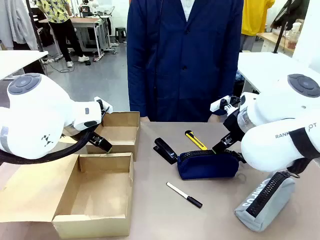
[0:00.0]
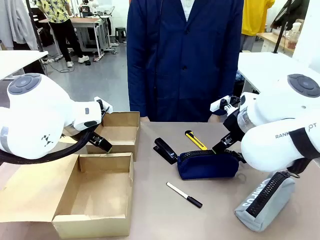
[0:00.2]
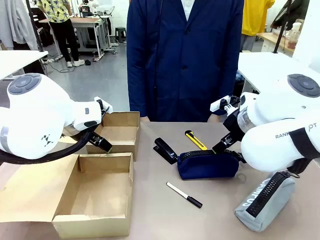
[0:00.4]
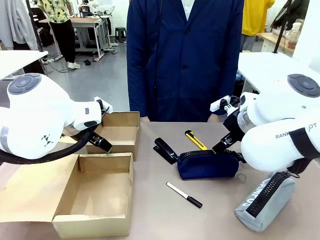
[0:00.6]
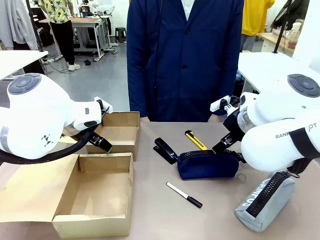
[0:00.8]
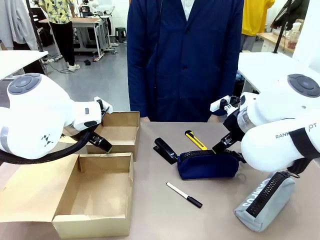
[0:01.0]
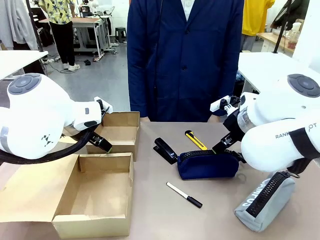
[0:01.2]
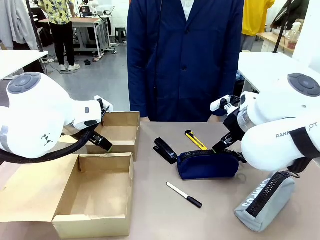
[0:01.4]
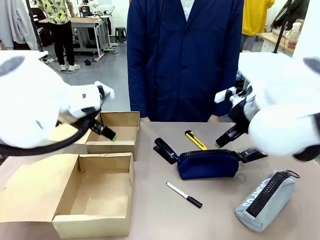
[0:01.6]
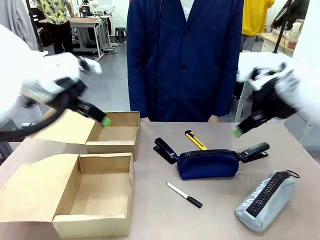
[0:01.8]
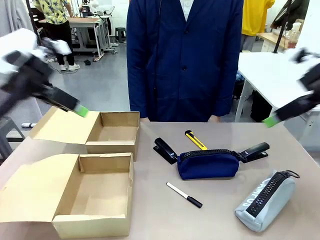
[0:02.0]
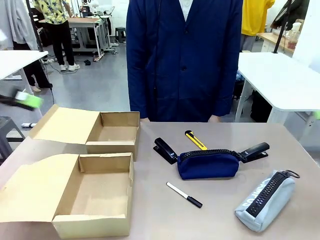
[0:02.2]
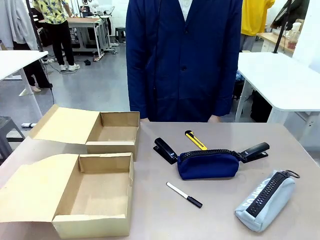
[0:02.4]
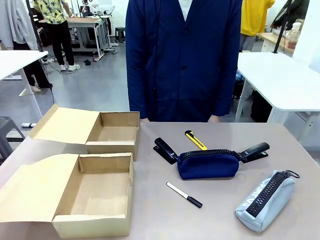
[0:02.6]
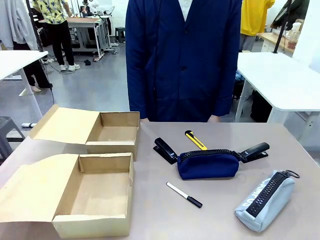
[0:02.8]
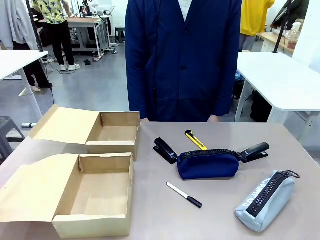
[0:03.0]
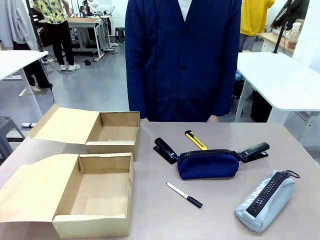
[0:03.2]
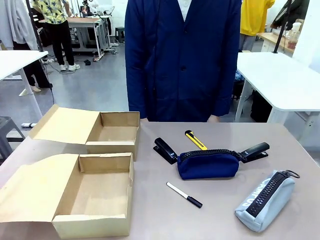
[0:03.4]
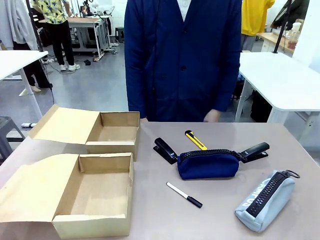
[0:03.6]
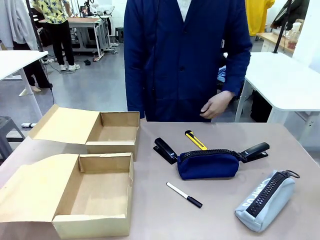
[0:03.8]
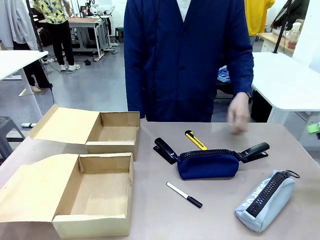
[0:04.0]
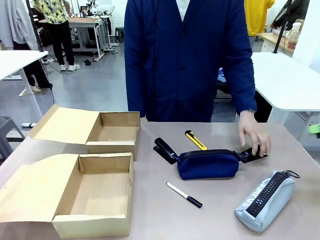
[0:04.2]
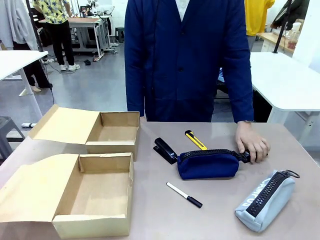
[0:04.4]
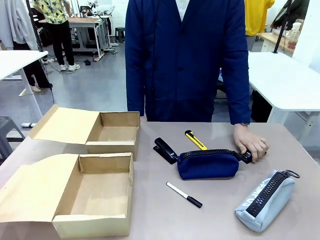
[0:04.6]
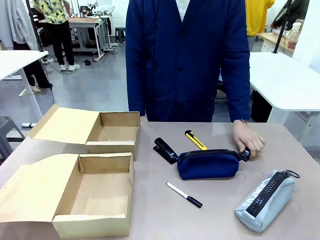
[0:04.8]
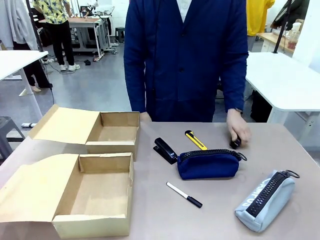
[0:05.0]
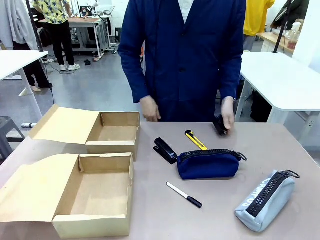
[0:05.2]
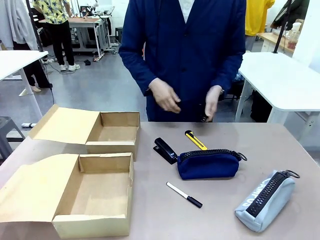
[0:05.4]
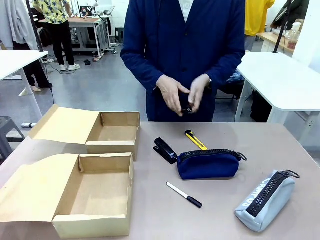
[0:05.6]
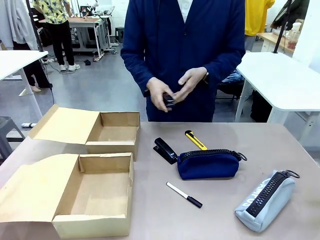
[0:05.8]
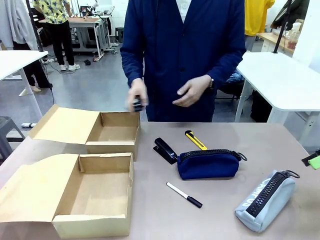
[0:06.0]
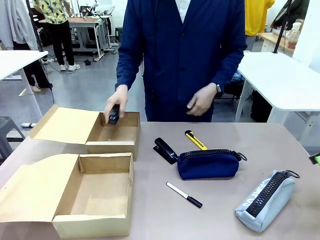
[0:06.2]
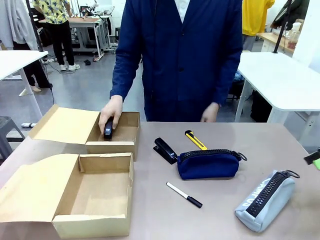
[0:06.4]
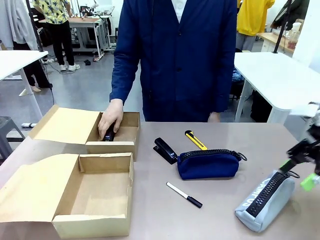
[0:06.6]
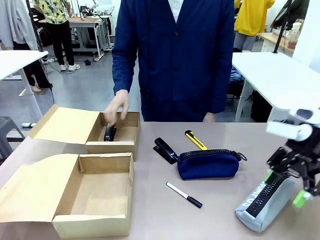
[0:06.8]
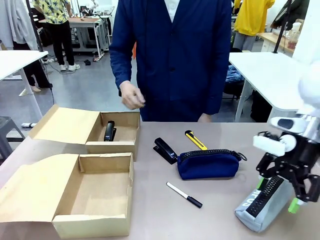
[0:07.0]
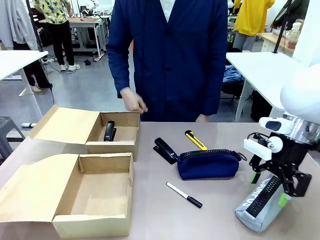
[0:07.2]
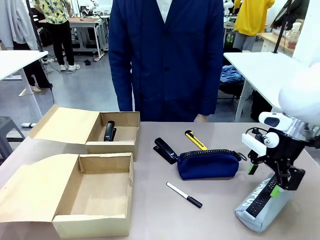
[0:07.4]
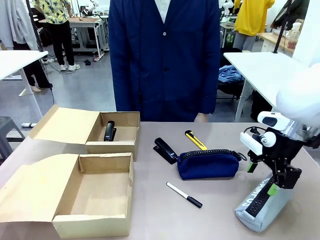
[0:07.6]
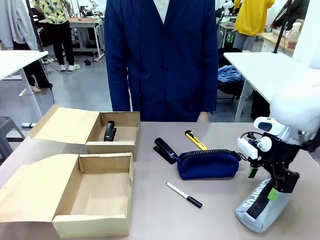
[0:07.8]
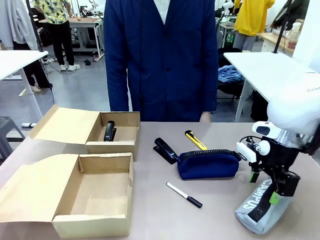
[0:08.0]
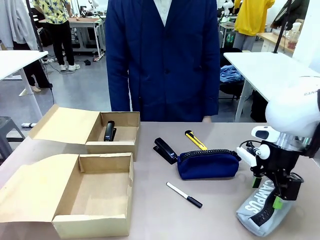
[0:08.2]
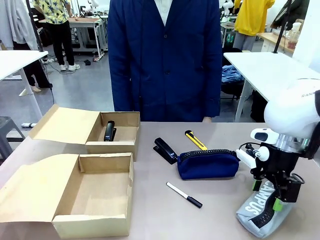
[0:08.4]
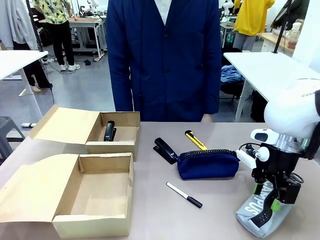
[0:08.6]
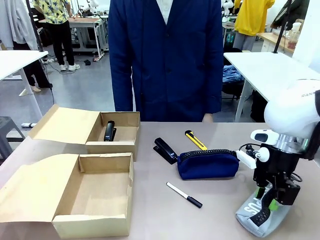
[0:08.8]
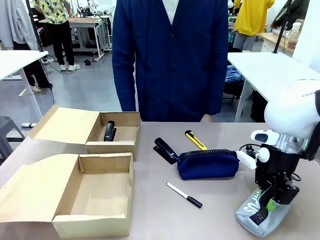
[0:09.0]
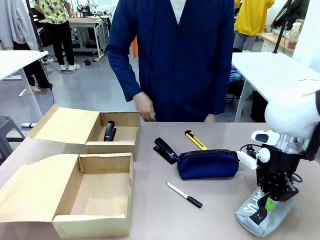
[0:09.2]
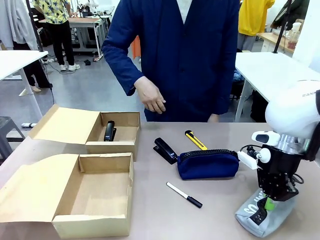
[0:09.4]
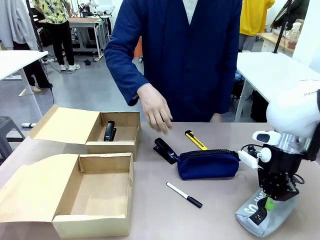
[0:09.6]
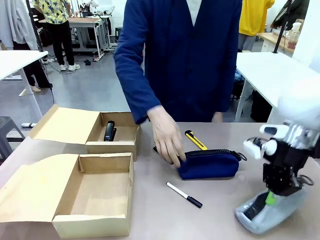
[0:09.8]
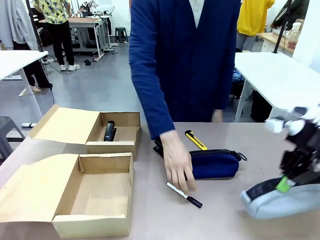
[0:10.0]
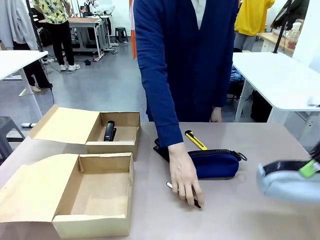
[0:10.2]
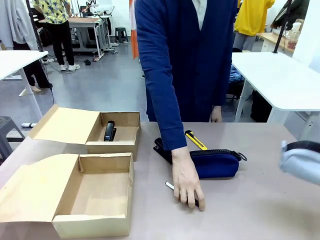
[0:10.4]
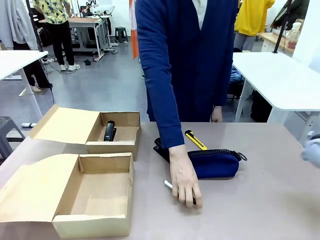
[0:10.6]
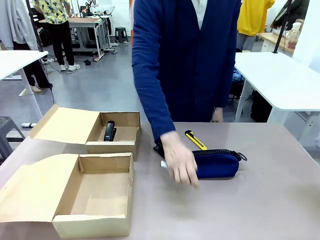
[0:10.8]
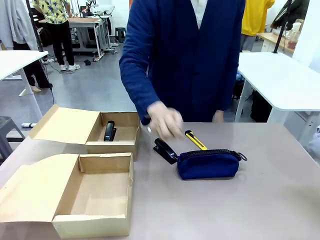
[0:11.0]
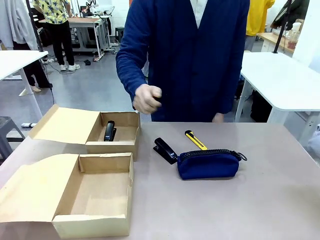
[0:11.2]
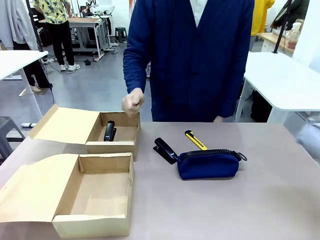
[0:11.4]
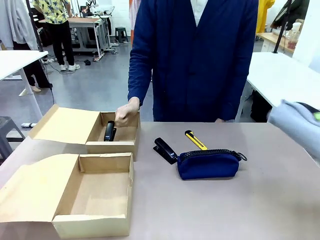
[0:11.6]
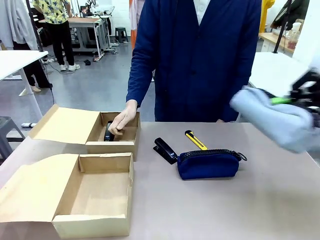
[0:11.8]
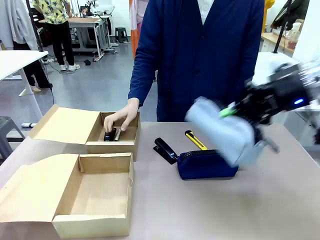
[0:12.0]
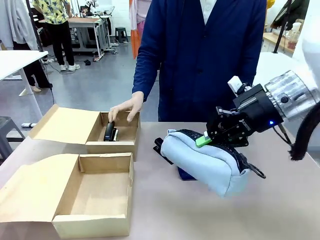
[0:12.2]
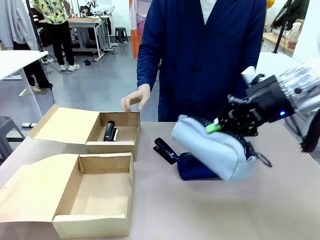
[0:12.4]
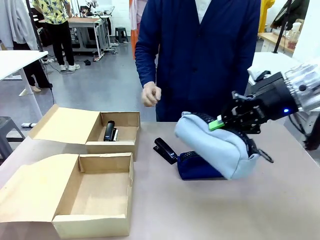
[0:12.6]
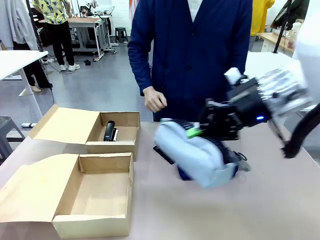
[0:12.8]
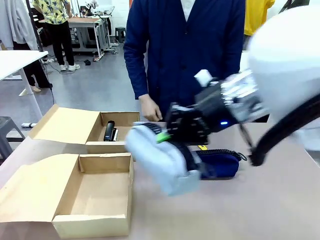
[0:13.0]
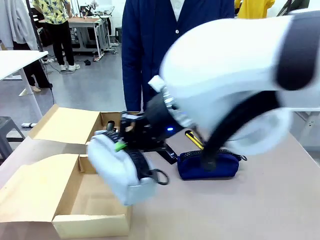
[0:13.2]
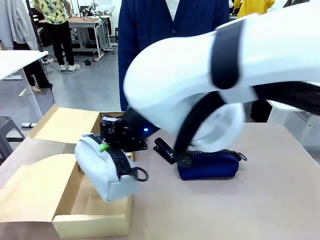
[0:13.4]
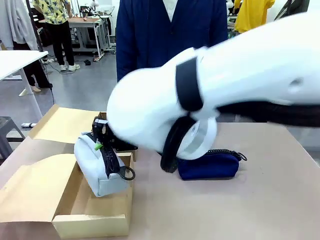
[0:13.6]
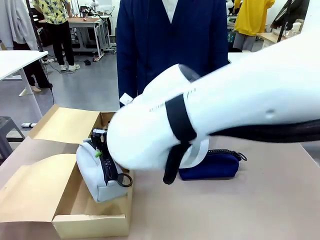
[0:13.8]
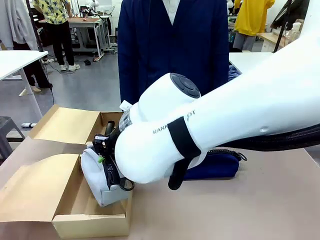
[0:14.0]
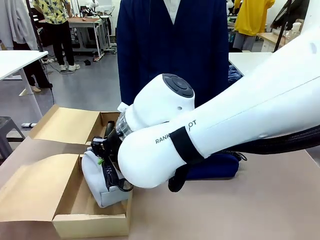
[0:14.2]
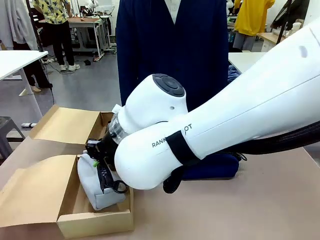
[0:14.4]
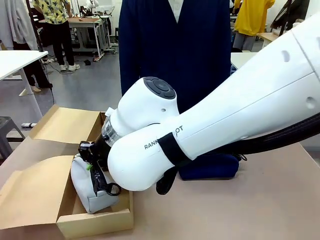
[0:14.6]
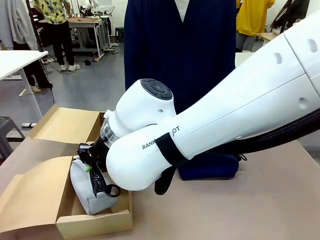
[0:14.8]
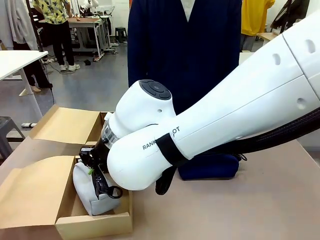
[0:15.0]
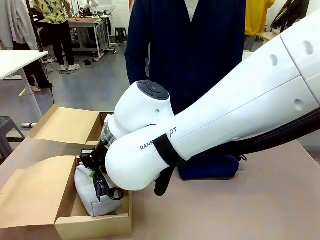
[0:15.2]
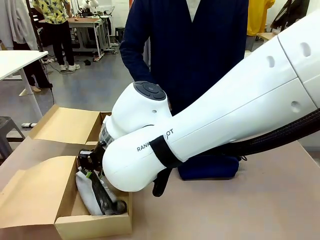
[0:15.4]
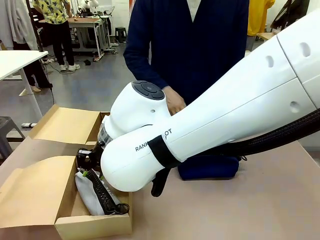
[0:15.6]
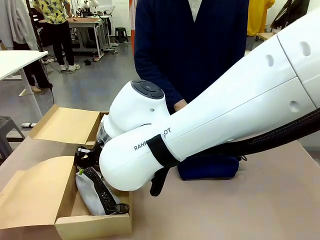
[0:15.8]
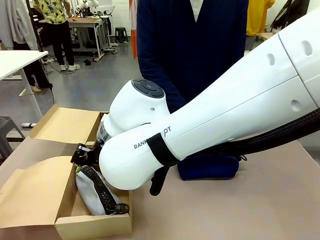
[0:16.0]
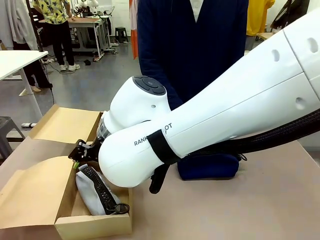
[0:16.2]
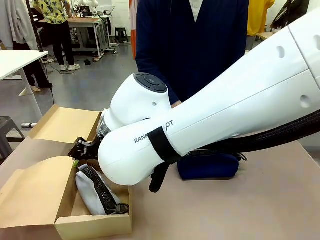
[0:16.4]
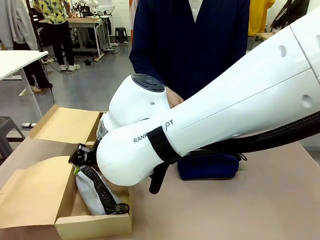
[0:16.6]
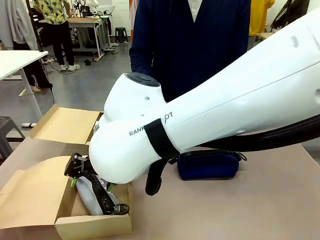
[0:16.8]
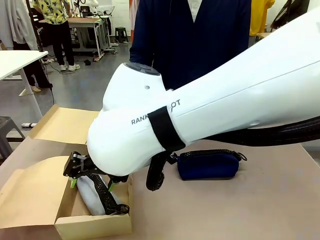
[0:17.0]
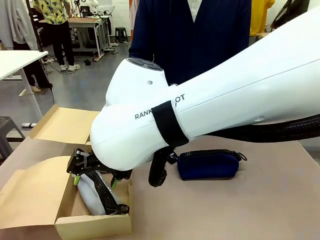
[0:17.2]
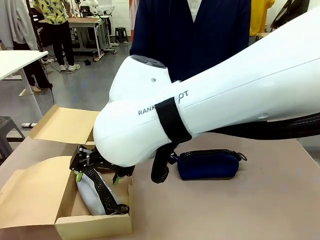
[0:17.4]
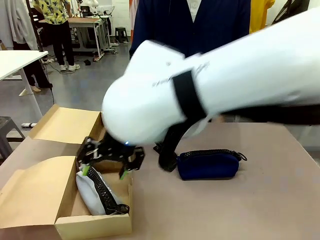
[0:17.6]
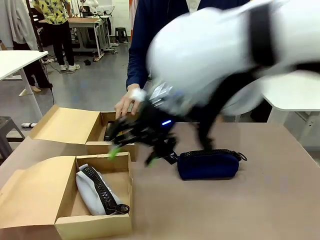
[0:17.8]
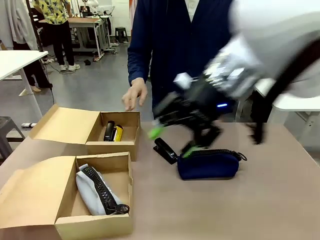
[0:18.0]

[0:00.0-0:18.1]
Task: Place items inside the box.
Robot: Pick up a Pencil pouch or Stapler and place it inside the Mailer Box closest to the robot.
Person: Pick up an object on the table and put it in the box.
